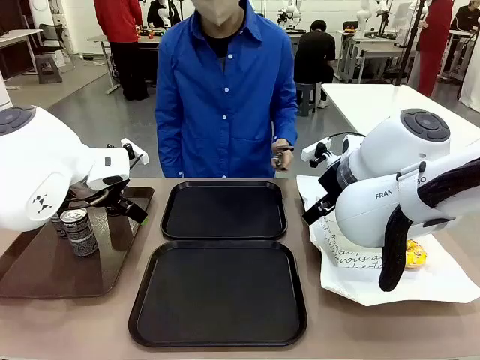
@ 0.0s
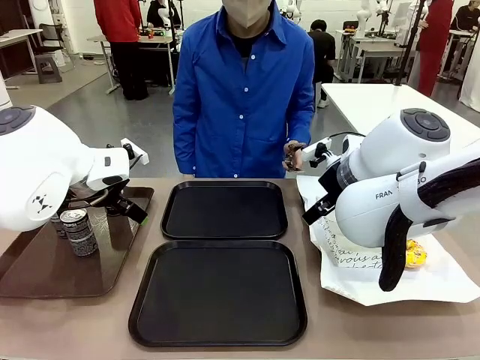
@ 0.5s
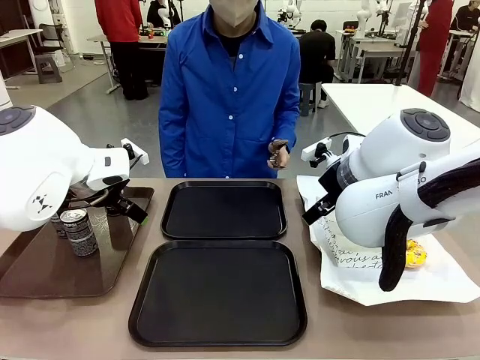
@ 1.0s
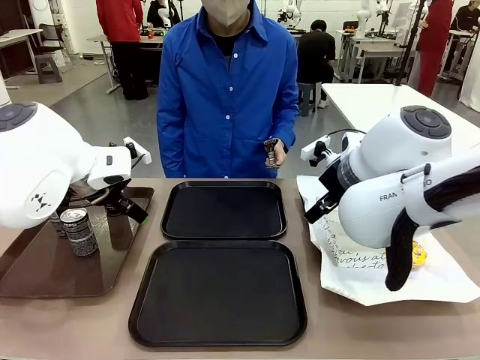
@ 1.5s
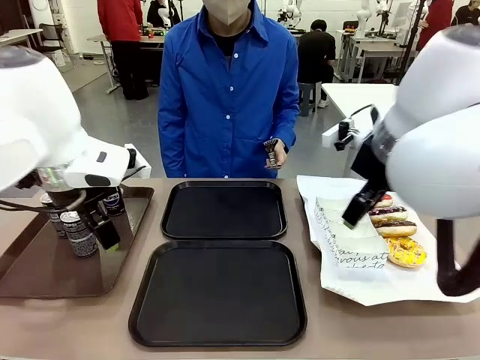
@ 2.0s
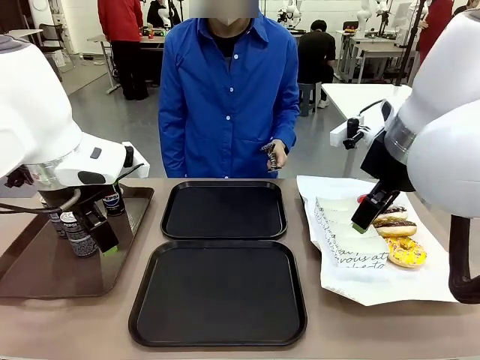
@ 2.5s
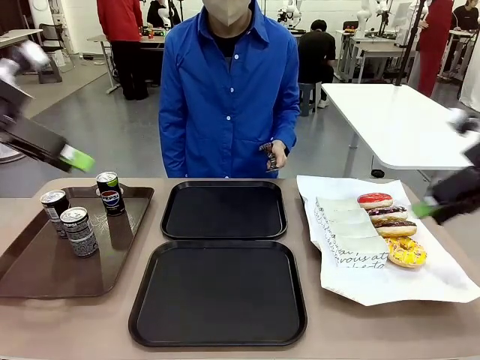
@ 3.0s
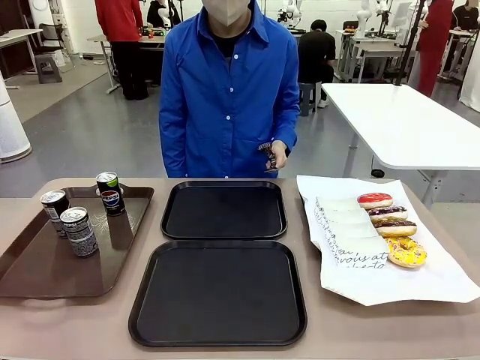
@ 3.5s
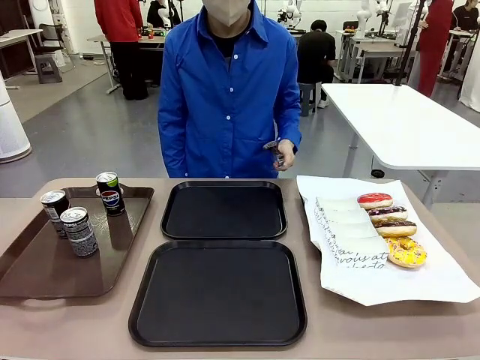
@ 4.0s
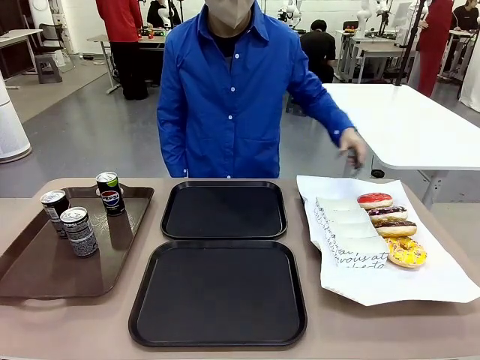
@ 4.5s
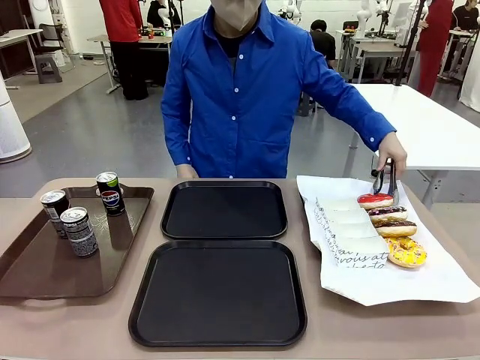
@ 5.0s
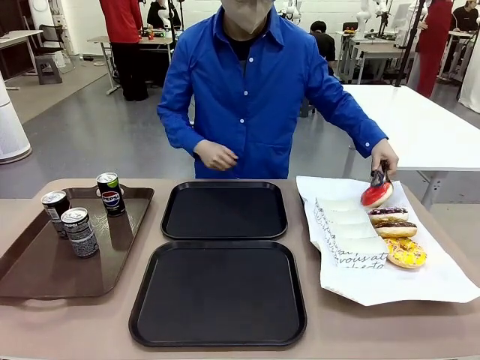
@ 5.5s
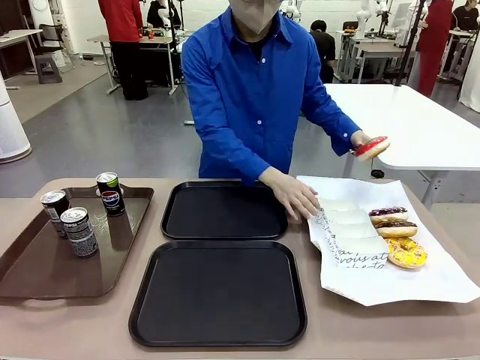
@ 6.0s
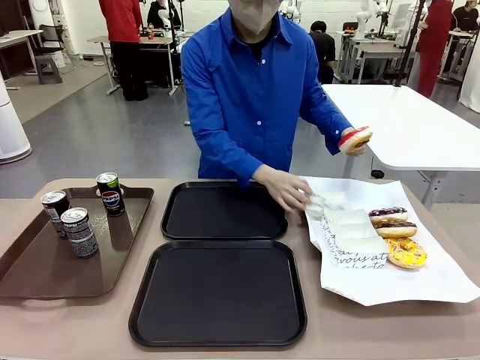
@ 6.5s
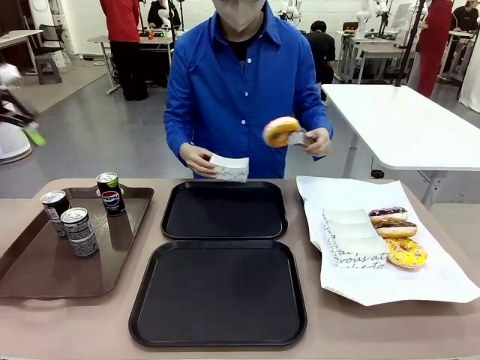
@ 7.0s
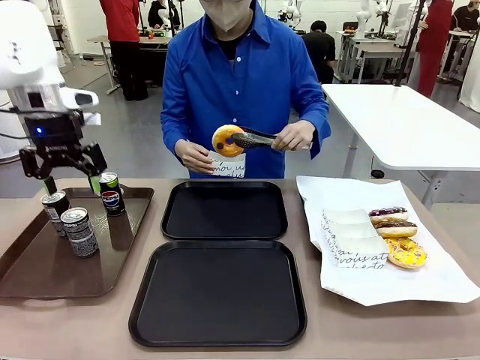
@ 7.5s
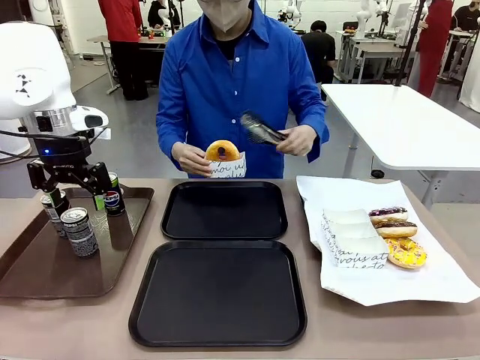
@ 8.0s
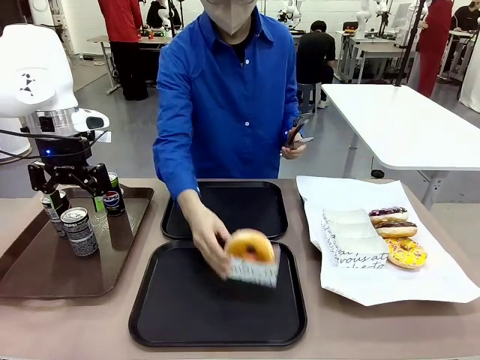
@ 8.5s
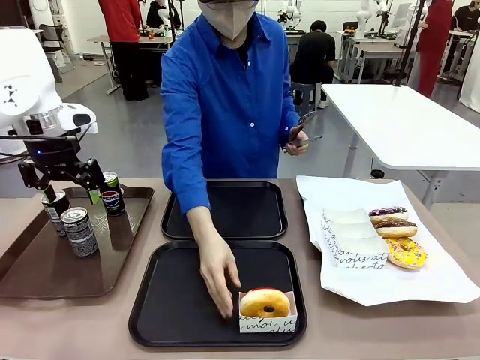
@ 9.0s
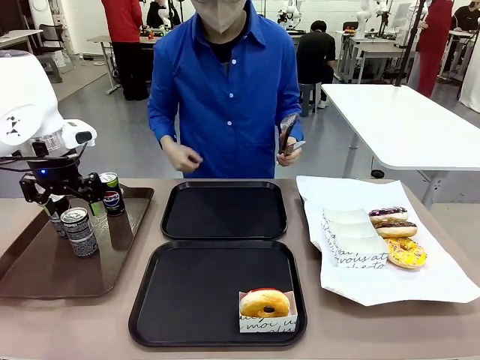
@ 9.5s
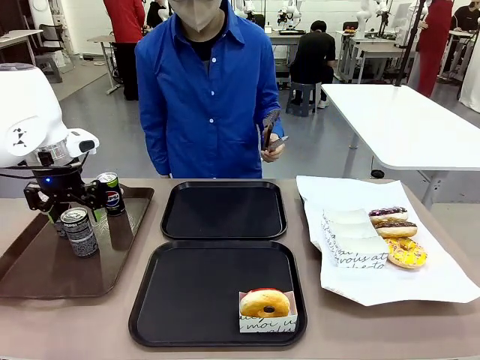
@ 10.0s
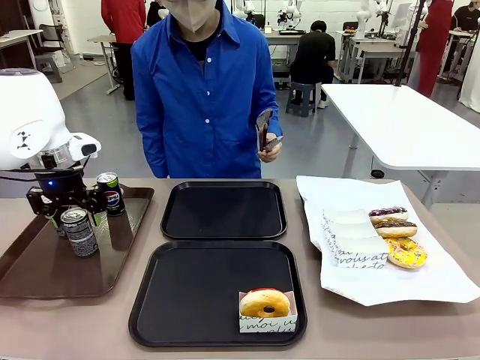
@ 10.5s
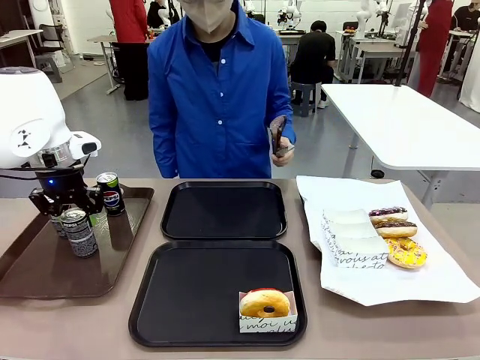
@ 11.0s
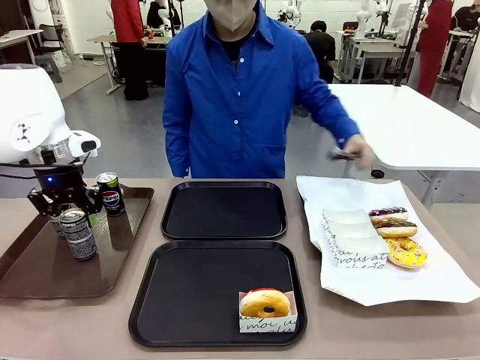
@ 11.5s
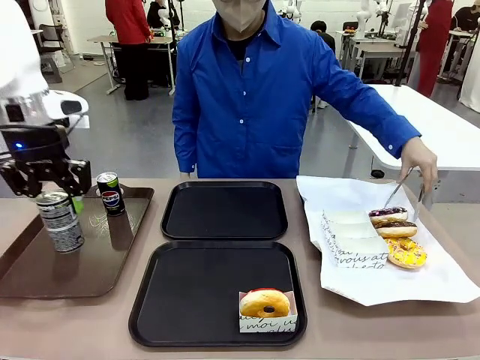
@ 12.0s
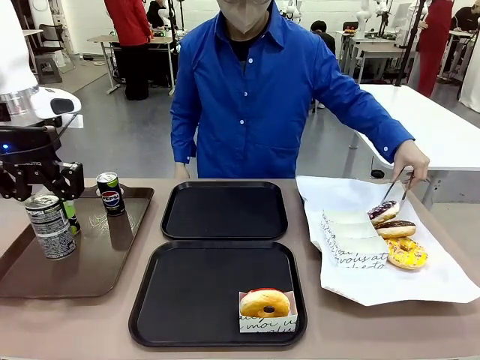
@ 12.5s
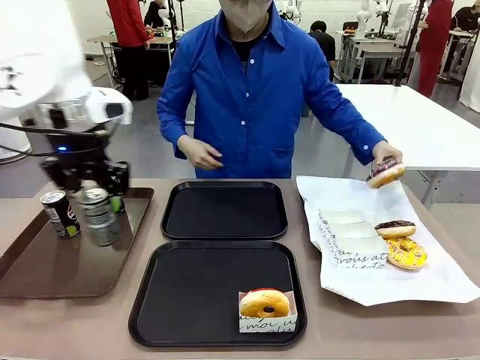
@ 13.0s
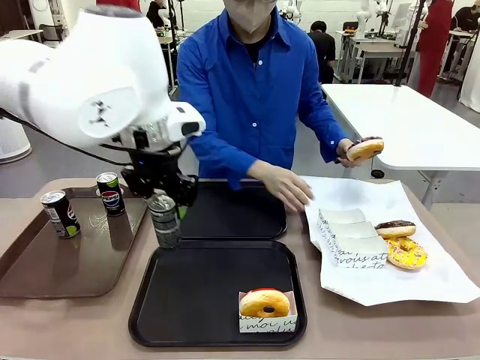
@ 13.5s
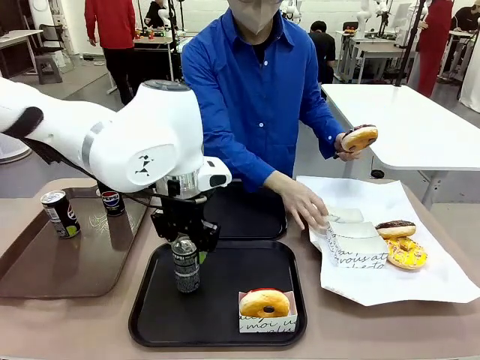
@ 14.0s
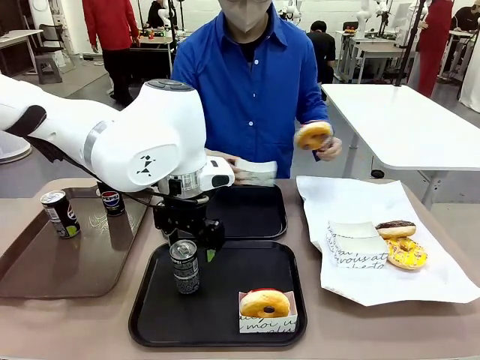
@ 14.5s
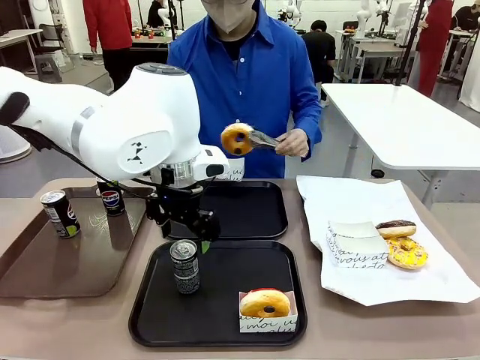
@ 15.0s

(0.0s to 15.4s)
Task: Set up donuts and drinks on trays.
Robot: Pick up one Pepsi coke and place it on the Flat Tray.

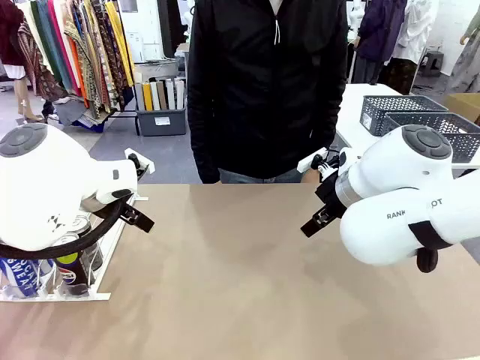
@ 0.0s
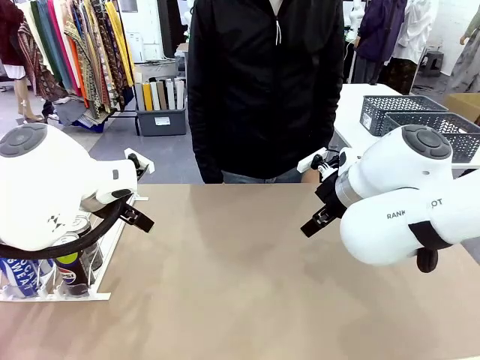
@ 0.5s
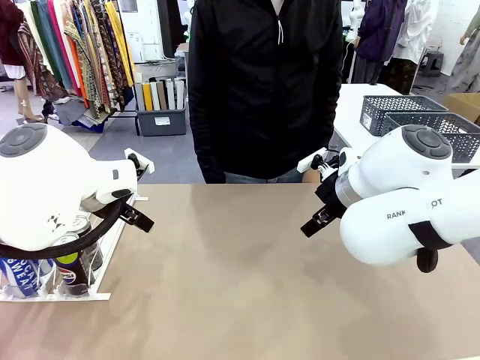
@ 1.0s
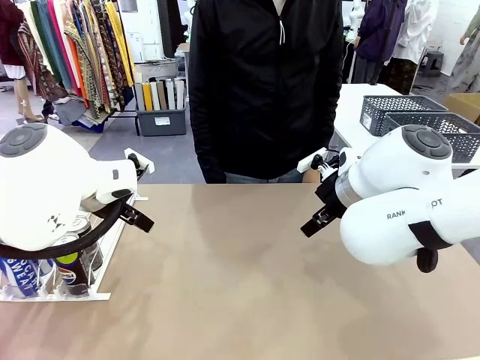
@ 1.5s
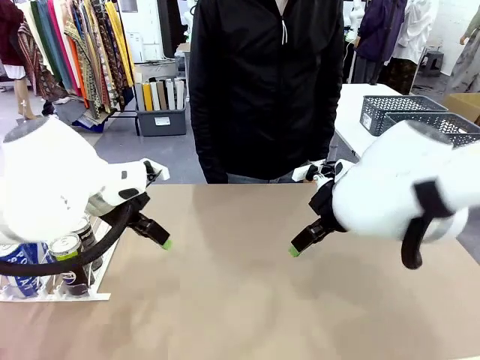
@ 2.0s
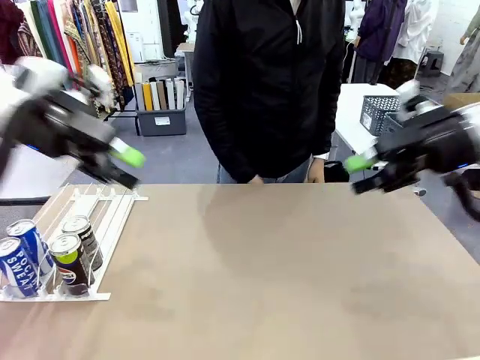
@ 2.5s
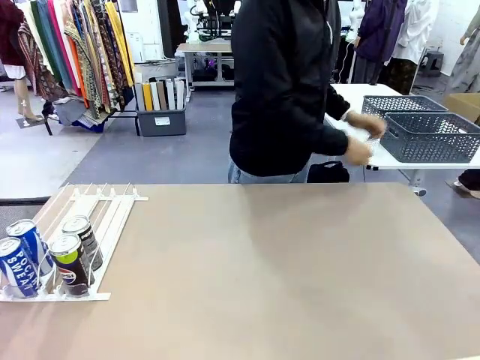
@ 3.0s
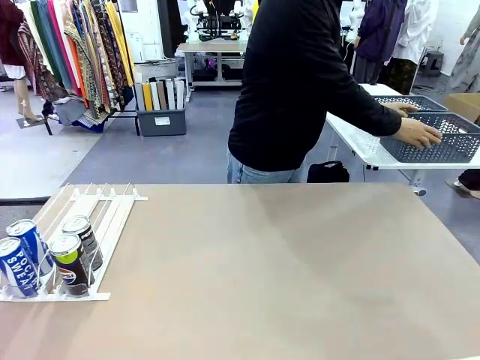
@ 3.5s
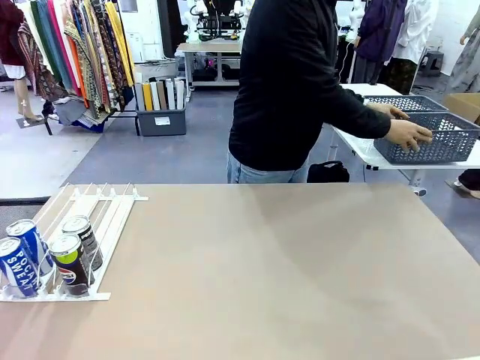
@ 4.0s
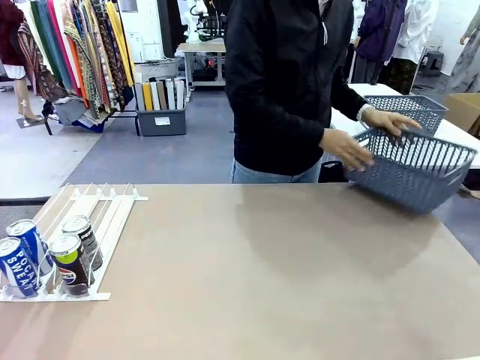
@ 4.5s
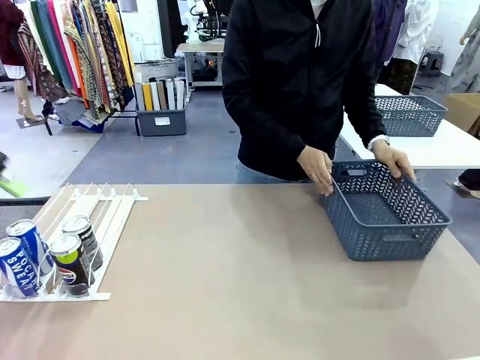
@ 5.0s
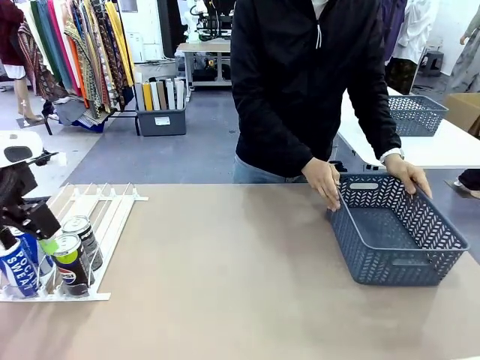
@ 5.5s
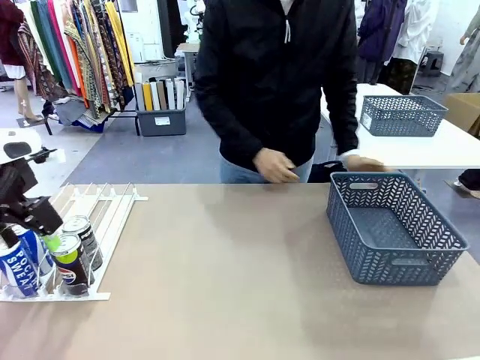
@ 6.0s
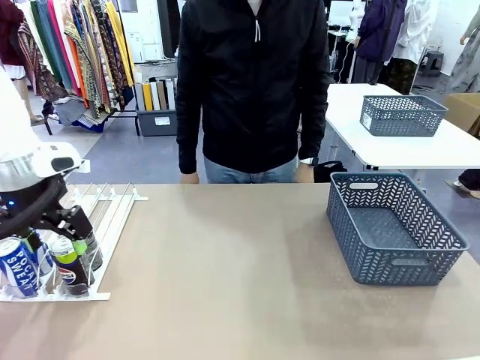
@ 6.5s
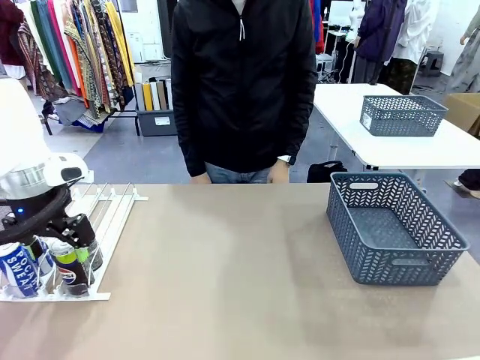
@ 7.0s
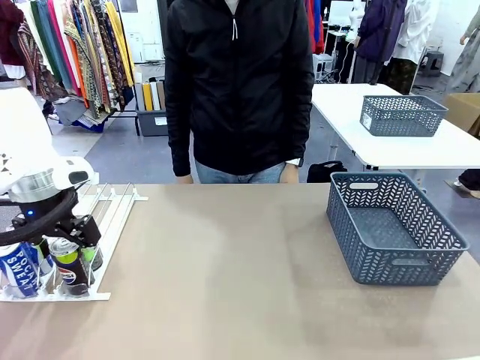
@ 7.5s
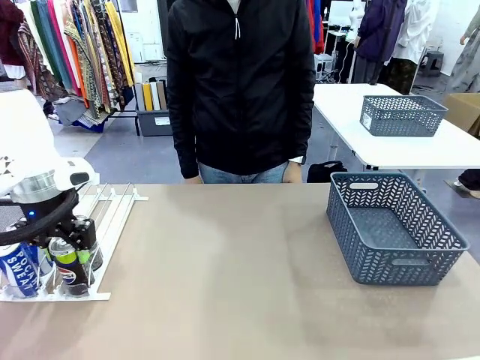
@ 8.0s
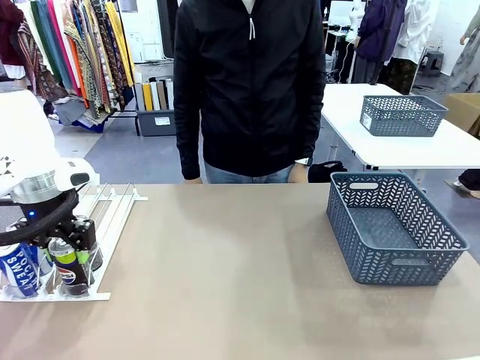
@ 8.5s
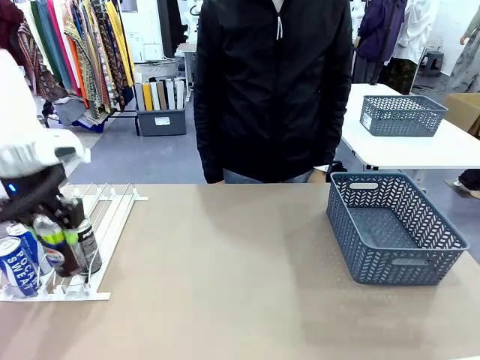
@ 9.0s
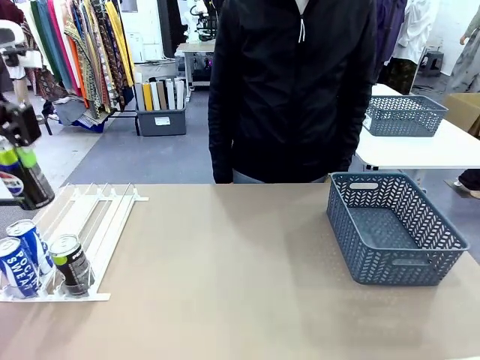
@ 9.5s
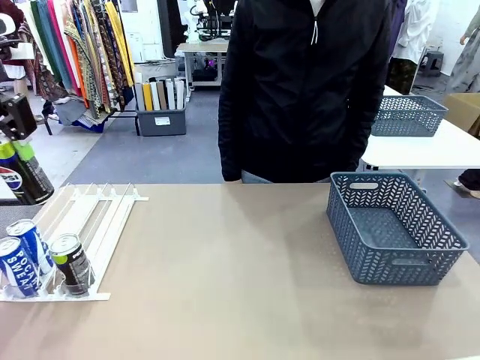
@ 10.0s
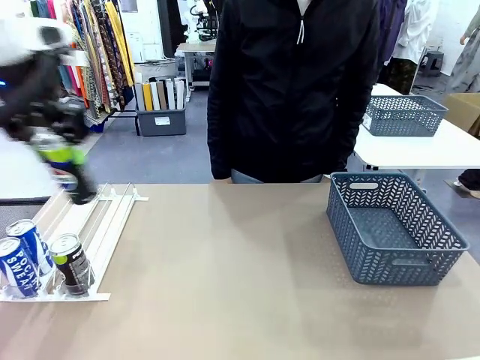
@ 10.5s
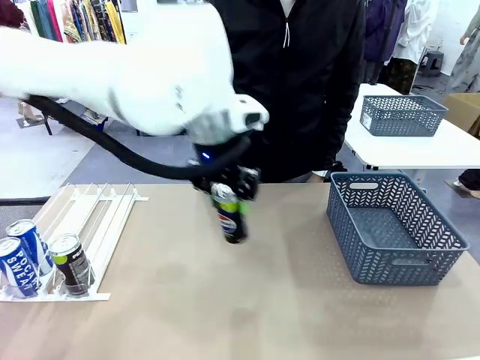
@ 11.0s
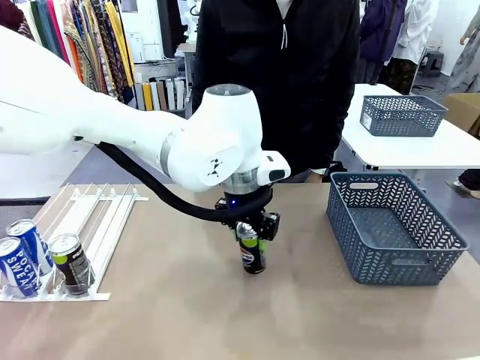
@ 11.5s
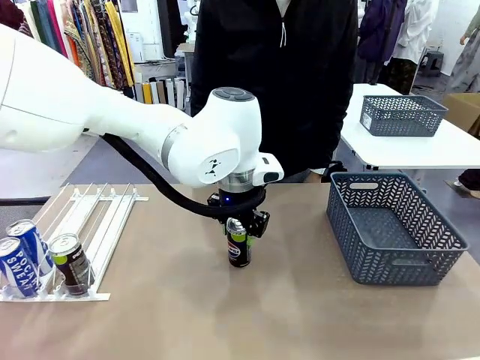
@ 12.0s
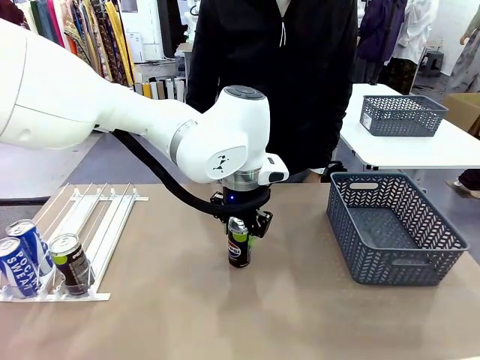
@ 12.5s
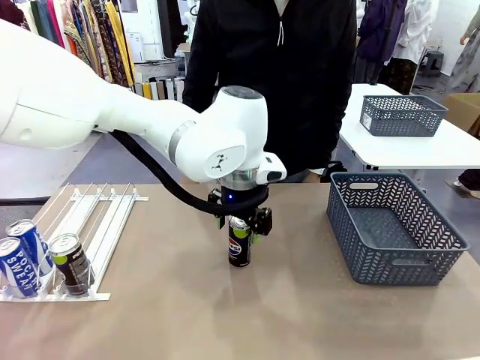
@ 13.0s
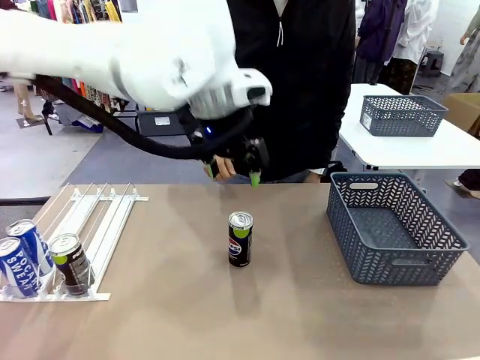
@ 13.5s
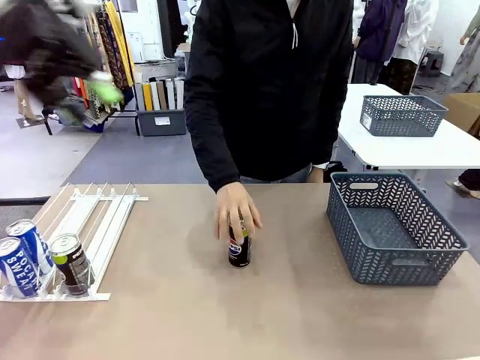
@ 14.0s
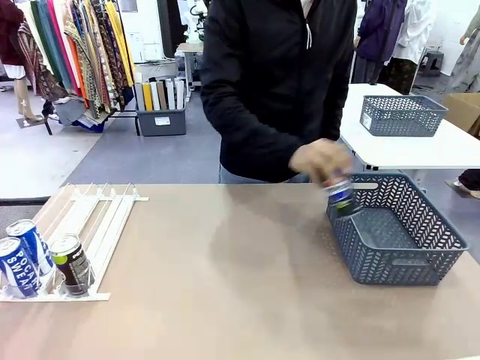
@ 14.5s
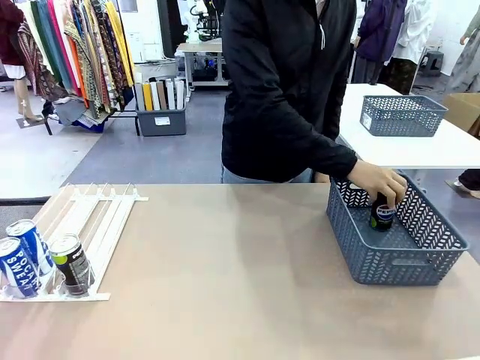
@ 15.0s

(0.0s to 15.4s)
Task: Retrieve and store the cans from the dispenser.
Robot: Pick up one can from the Automatic Can Dispenser and place it in the middle of the table.
Person: Pick up the basket and place it on the left side of the robot table.
